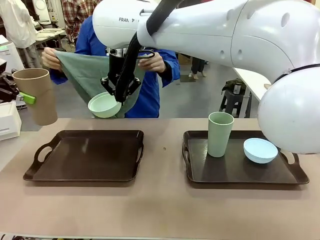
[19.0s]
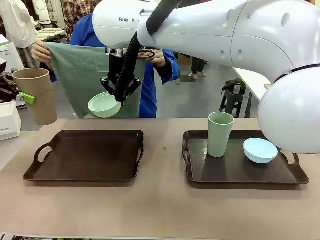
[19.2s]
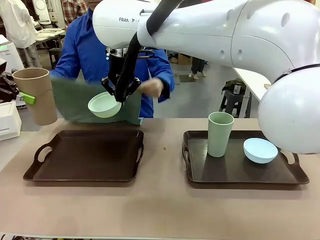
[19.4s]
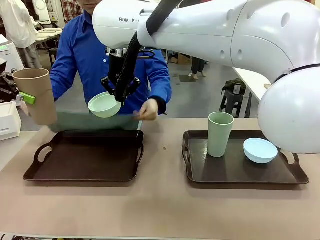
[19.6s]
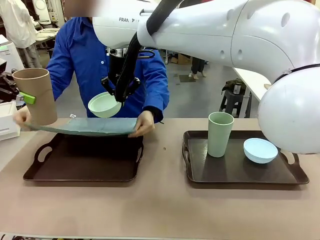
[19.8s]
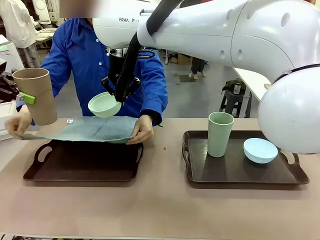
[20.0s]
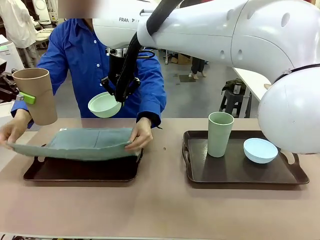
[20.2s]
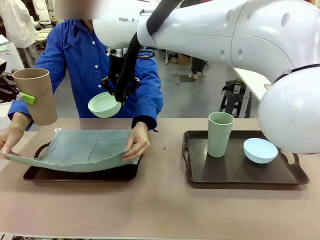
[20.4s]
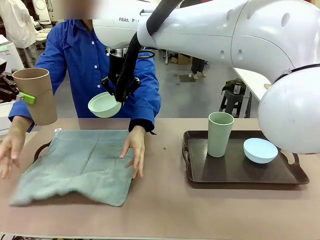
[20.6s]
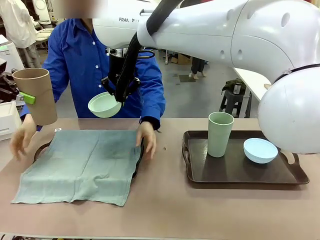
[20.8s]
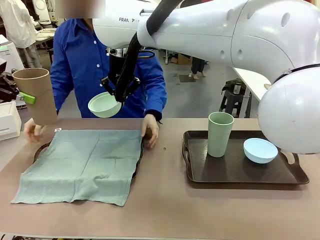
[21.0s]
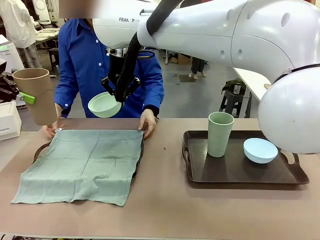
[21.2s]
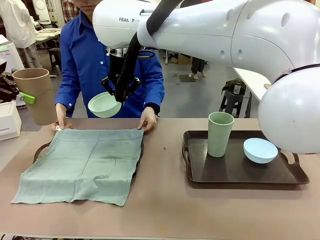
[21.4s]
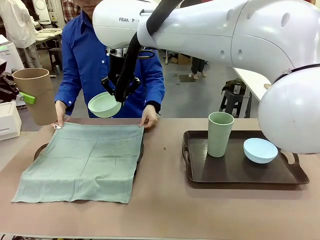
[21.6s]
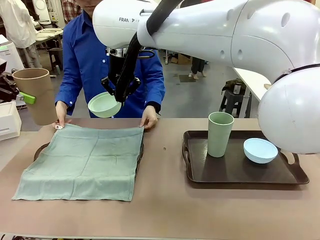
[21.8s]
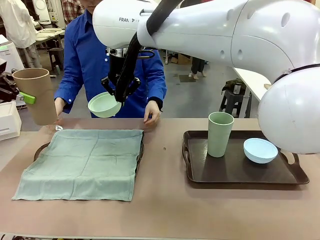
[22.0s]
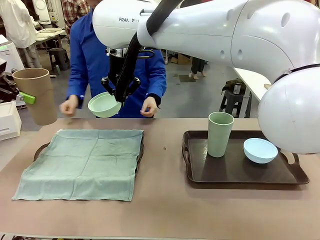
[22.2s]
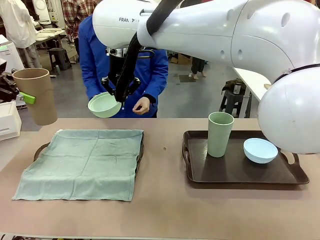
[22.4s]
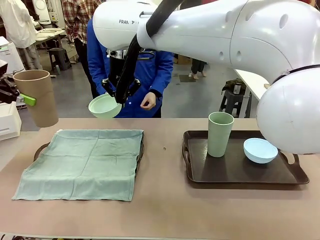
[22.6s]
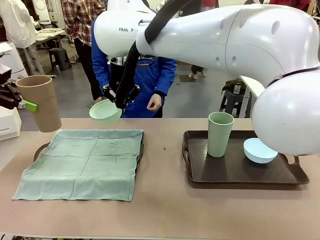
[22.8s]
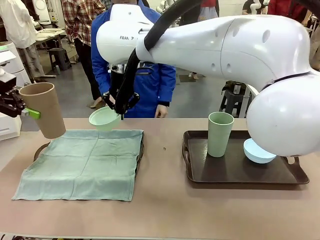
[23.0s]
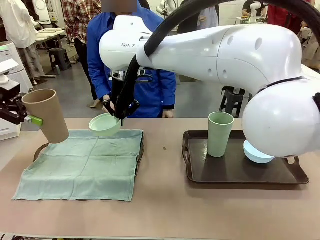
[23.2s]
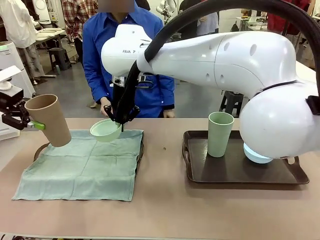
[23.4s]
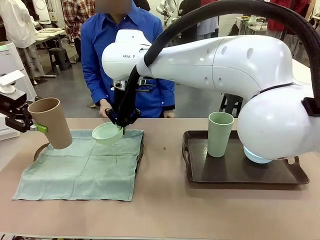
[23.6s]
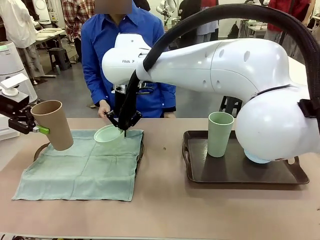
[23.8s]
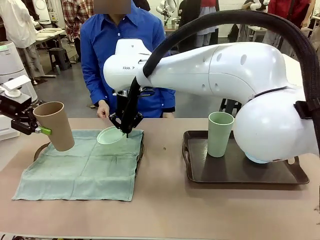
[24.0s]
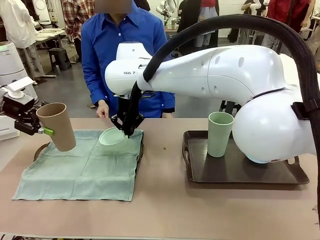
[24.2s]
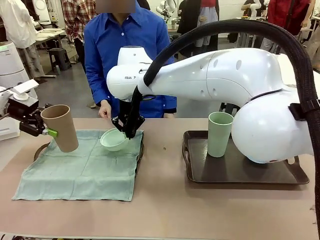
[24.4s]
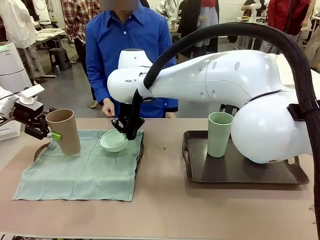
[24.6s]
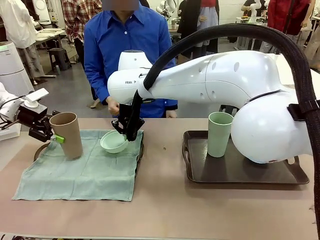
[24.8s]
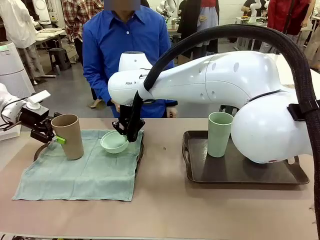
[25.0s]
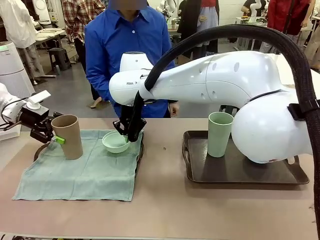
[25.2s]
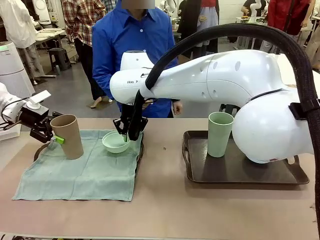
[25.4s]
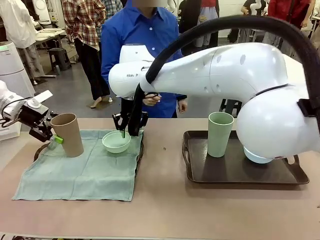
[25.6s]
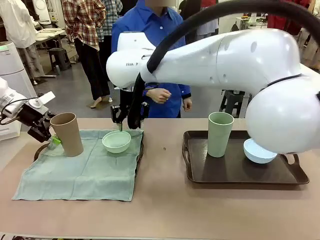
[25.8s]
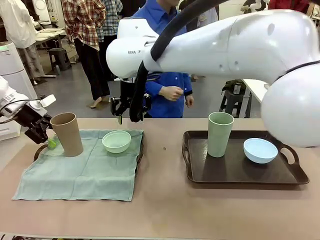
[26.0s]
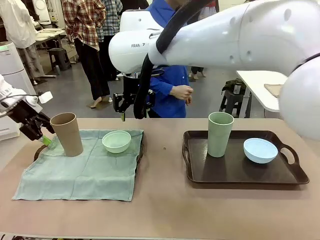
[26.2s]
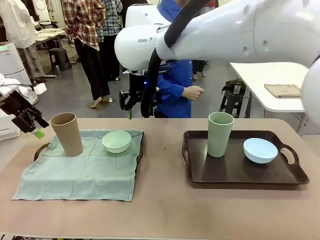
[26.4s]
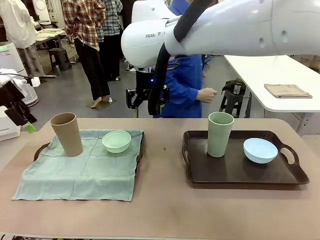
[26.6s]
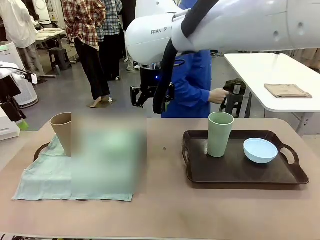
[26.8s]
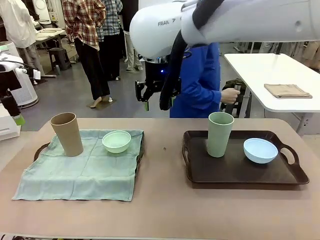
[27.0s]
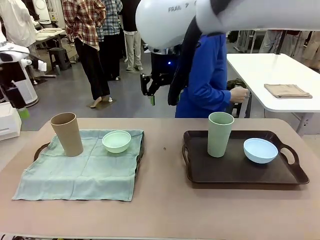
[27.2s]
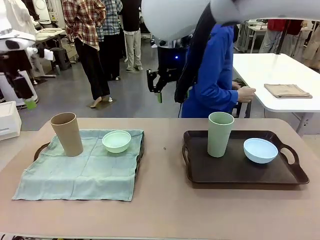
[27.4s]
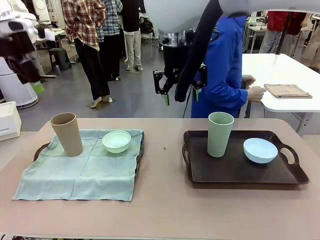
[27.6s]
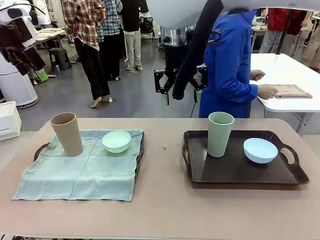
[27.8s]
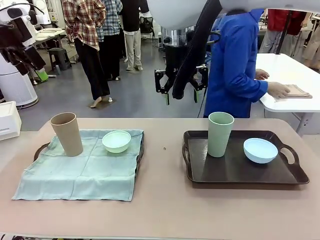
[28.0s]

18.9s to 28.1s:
Robot: Place the Picnic Bowl and Reusable plastic cup back onto the Handle tray in front of the human's position.

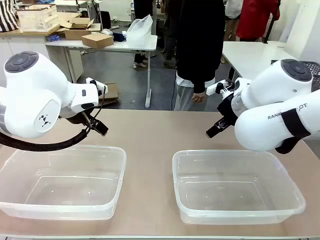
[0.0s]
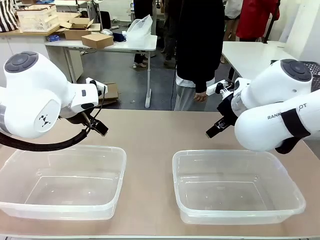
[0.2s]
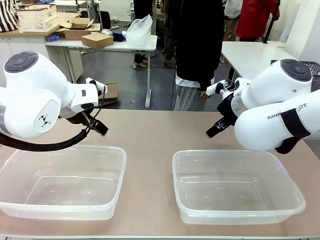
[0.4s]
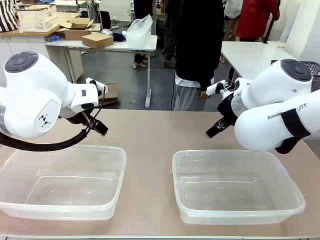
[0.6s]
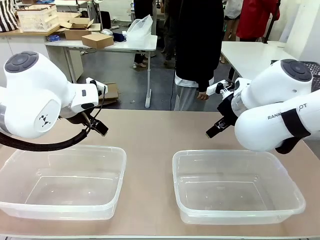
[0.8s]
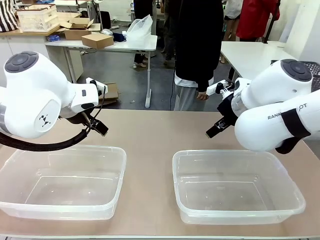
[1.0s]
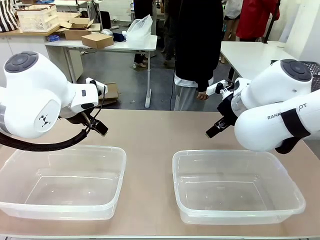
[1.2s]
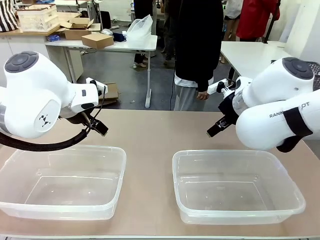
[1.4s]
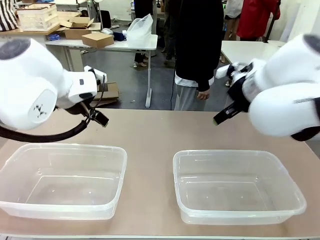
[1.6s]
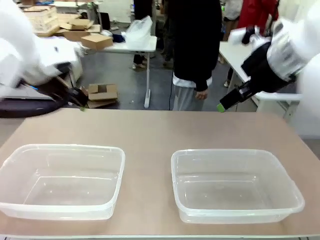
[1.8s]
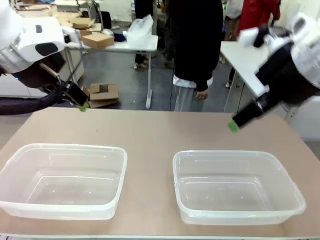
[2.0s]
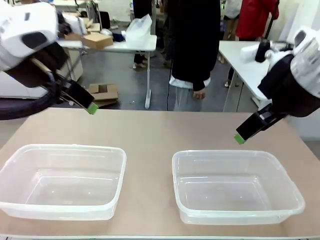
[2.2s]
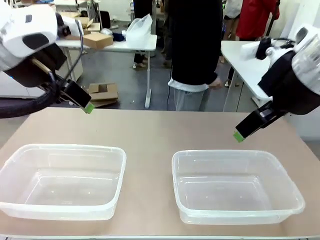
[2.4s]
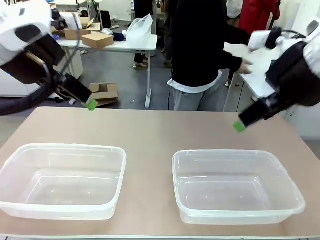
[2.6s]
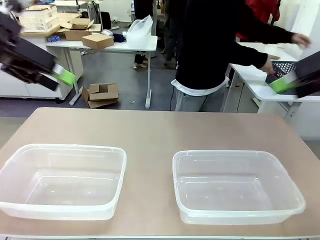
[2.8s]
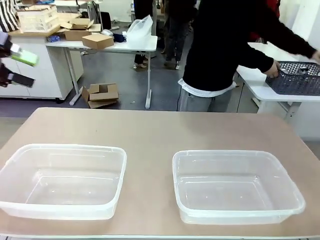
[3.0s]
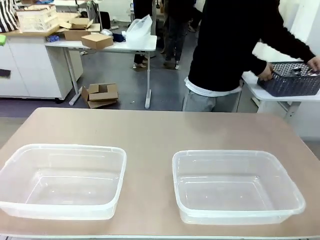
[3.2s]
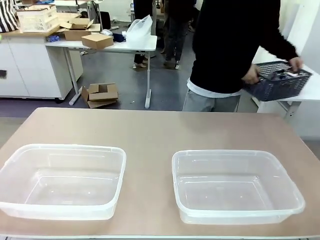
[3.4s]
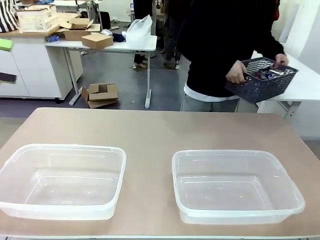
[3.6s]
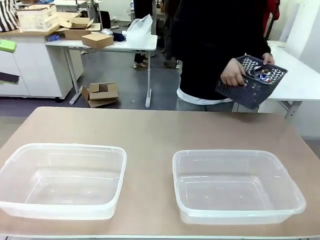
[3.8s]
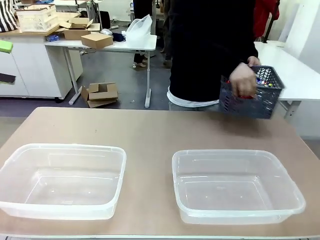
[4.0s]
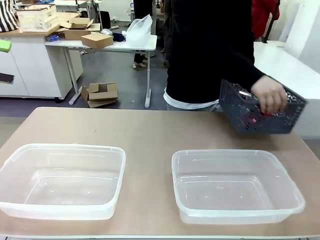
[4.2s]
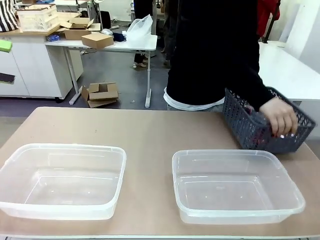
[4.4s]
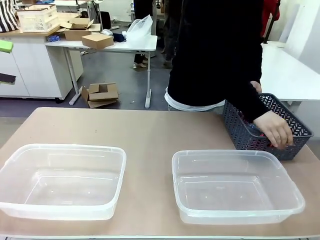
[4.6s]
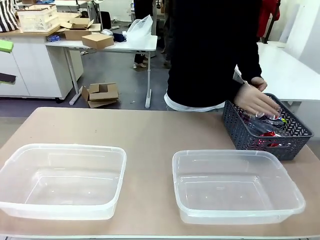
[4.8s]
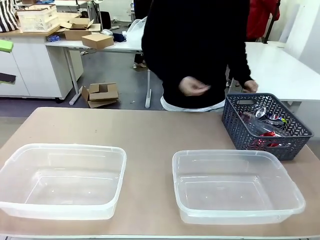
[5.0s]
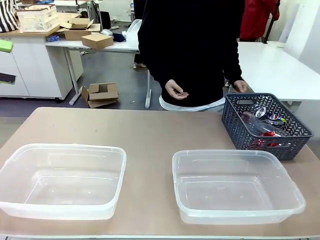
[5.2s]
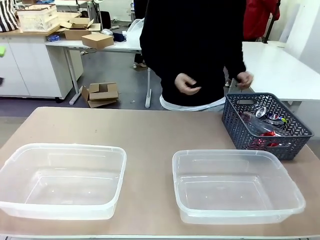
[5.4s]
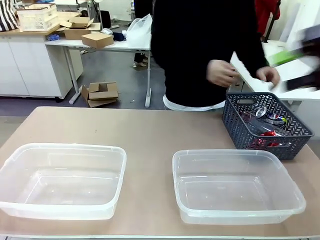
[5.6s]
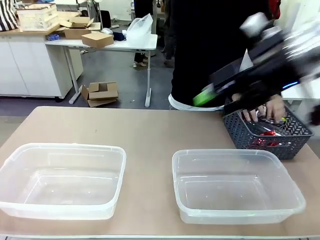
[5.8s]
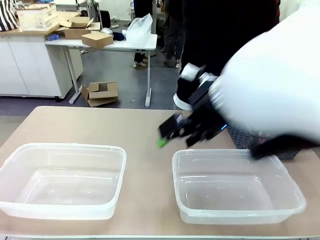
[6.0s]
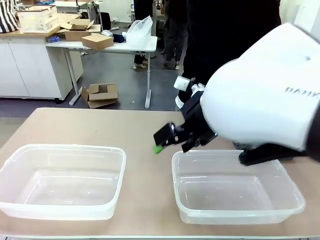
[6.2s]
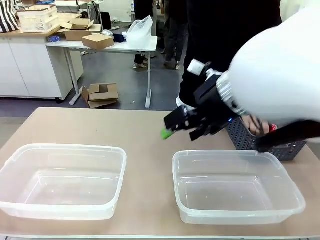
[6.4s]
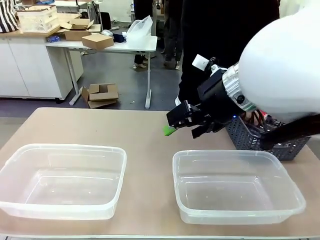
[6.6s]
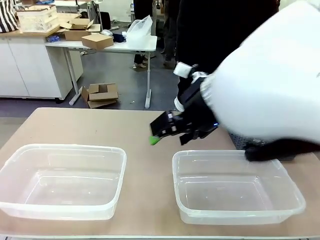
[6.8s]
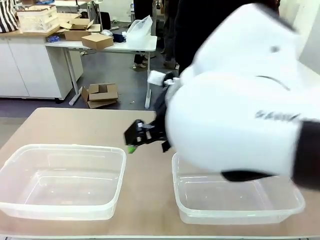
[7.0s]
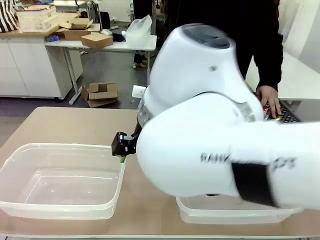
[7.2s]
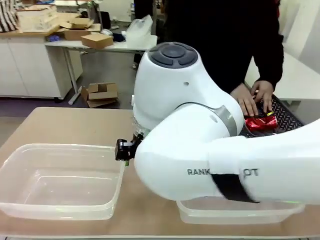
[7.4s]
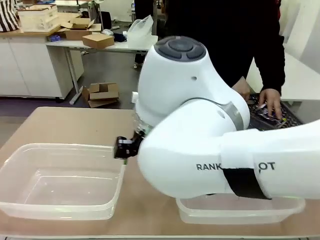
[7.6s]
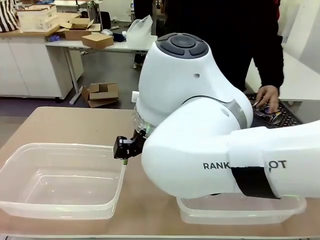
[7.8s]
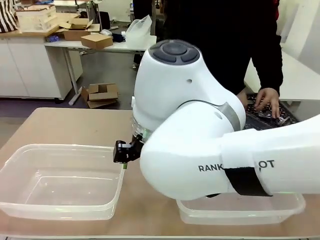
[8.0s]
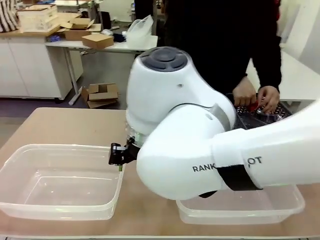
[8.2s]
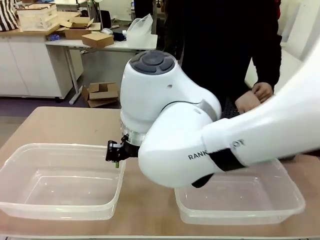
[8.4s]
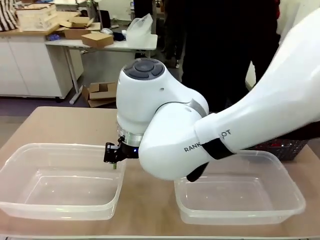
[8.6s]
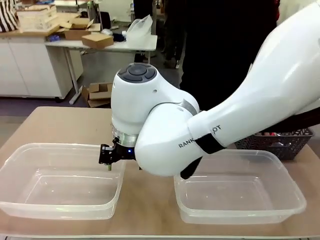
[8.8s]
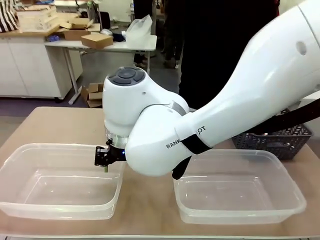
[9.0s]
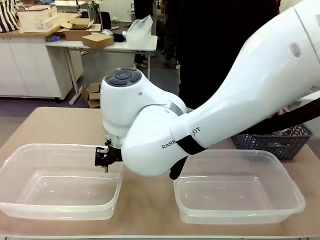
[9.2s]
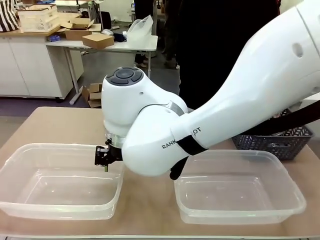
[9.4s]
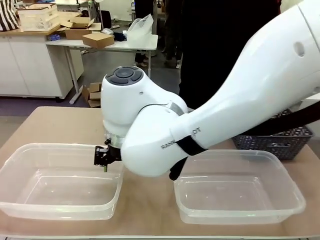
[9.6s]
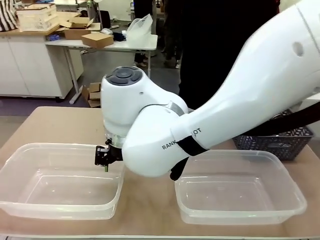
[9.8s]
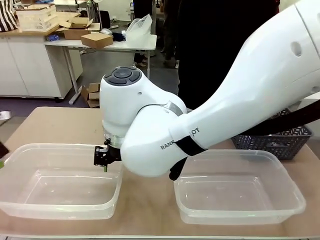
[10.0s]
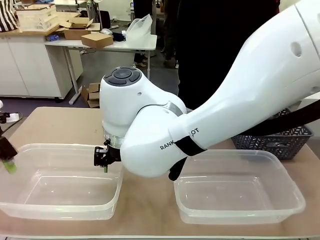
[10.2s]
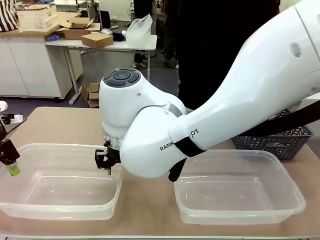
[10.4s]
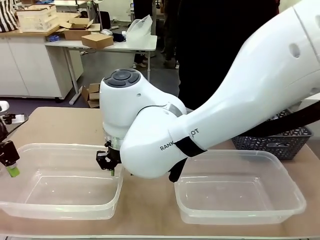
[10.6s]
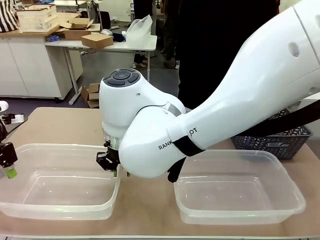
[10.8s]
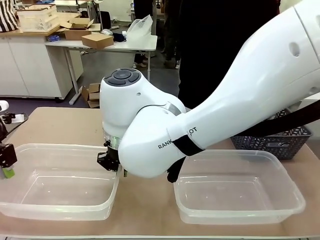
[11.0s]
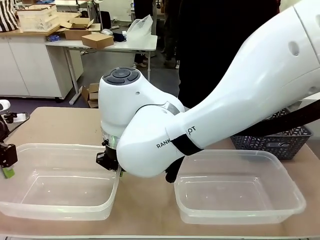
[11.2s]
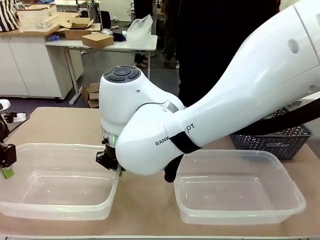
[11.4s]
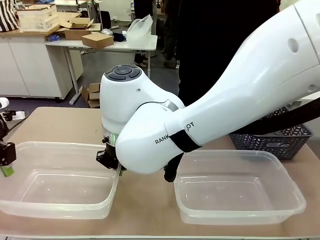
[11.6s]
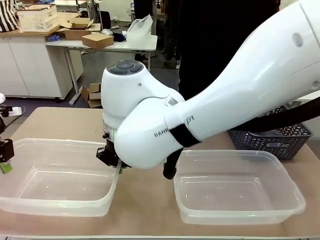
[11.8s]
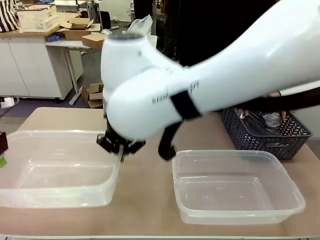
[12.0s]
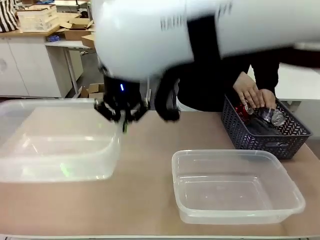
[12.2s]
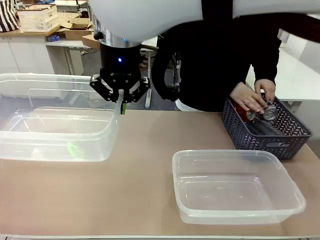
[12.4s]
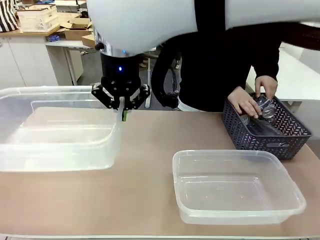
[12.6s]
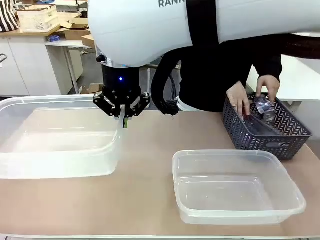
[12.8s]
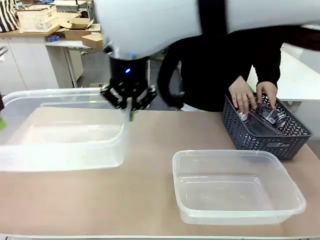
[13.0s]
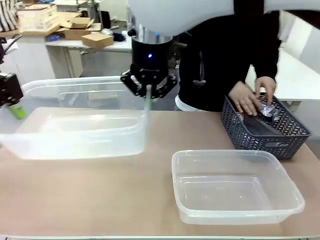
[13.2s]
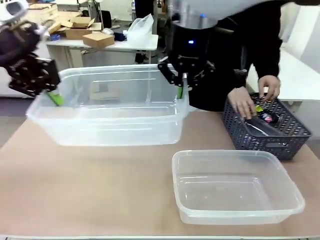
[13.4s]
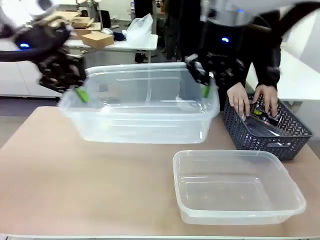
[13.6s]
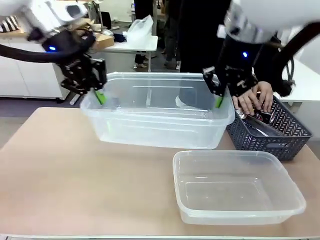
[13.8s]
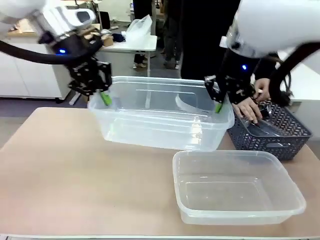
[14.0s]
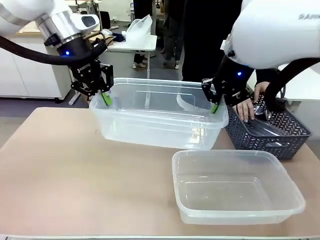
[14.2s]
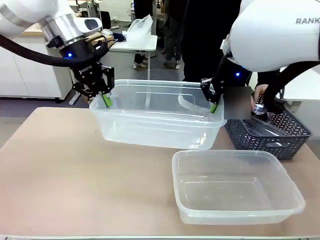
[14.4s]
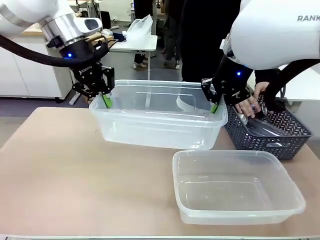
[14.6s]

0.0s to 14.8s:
Robot: Pick up the Organizing box on the left side of the table and lift it.
Person: Pick up the storage basket and place it on the left side of the robot table. Pick up can-shaped waste one by one and place it into the organizing box lifted by the robot.
